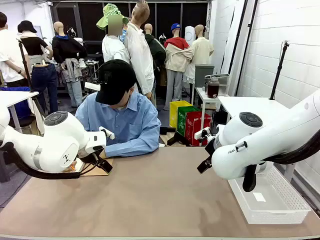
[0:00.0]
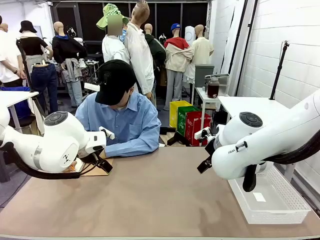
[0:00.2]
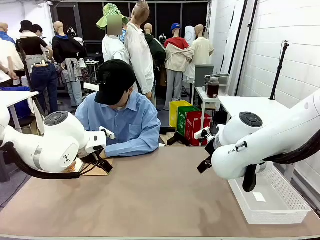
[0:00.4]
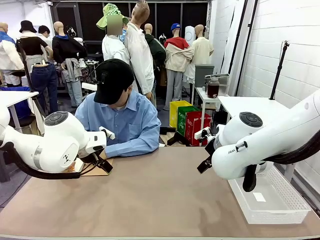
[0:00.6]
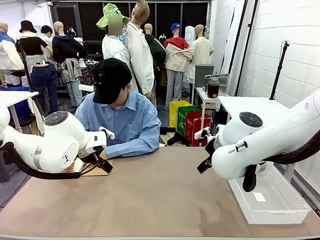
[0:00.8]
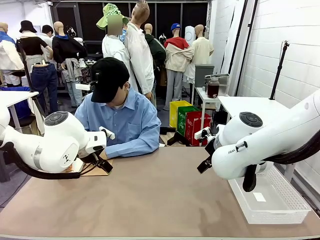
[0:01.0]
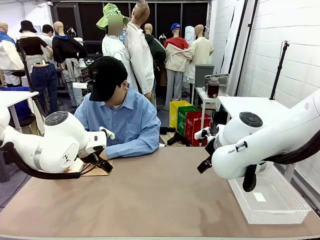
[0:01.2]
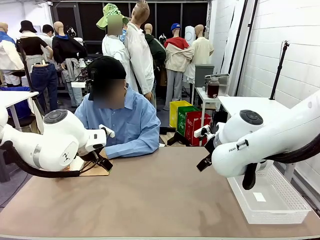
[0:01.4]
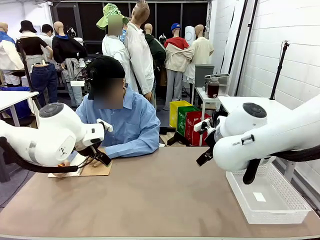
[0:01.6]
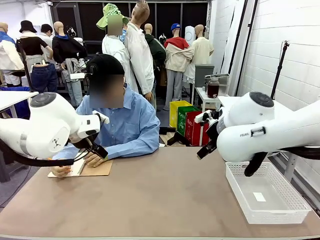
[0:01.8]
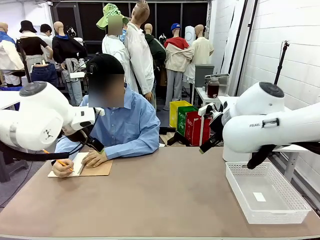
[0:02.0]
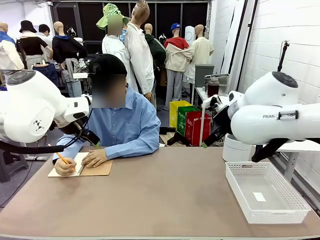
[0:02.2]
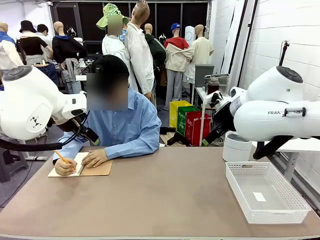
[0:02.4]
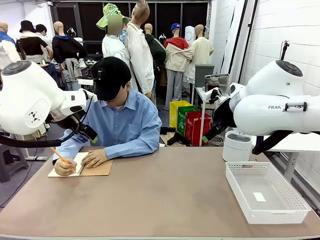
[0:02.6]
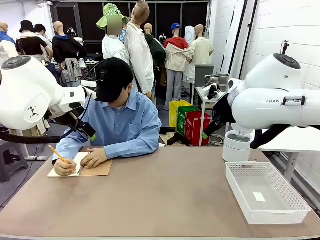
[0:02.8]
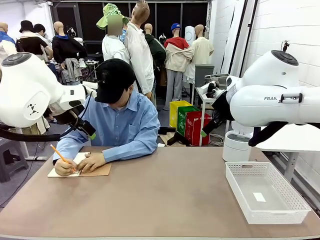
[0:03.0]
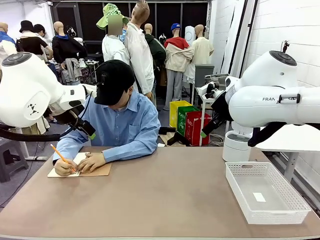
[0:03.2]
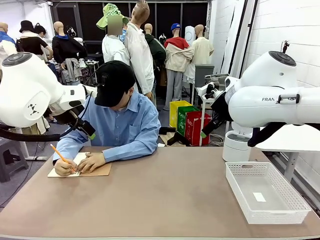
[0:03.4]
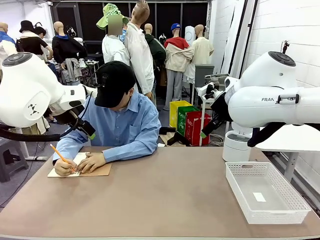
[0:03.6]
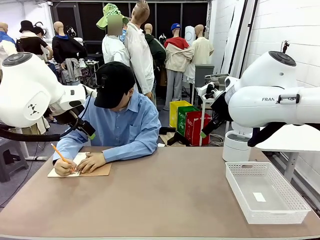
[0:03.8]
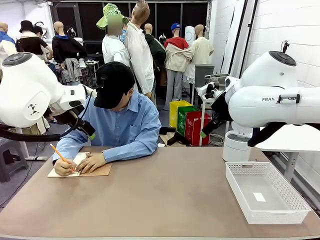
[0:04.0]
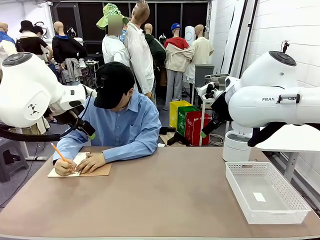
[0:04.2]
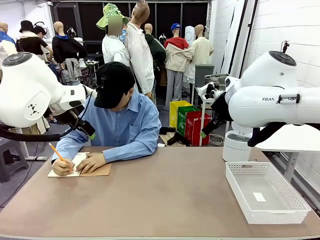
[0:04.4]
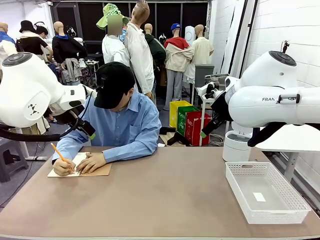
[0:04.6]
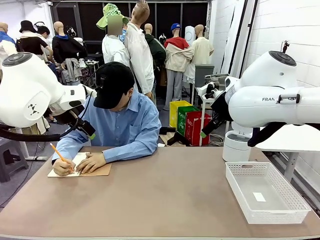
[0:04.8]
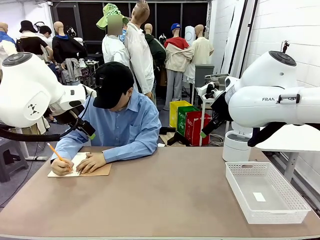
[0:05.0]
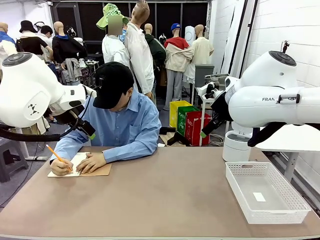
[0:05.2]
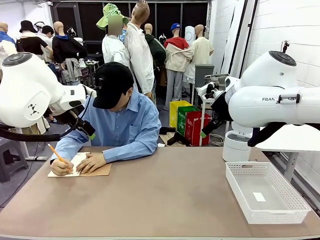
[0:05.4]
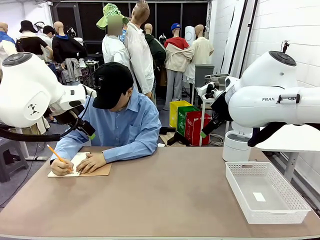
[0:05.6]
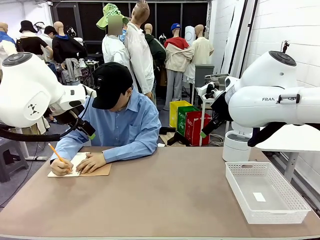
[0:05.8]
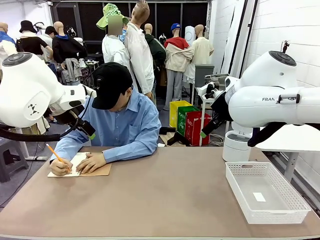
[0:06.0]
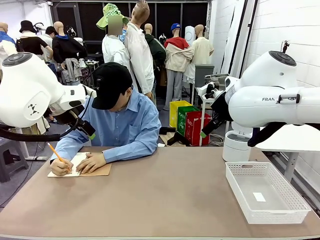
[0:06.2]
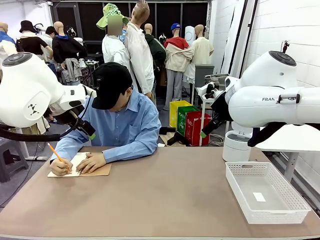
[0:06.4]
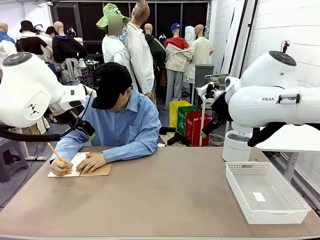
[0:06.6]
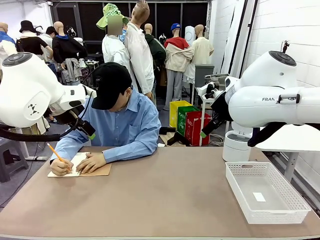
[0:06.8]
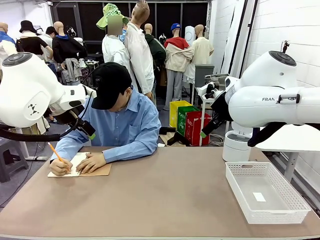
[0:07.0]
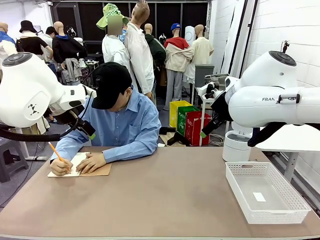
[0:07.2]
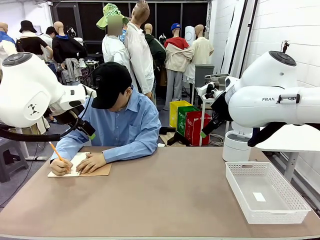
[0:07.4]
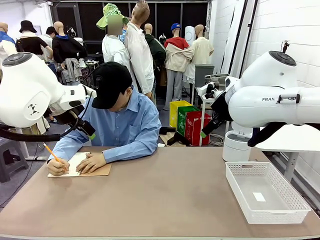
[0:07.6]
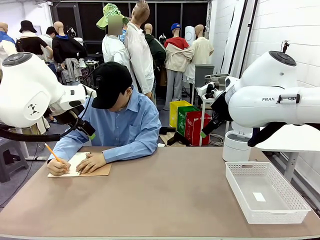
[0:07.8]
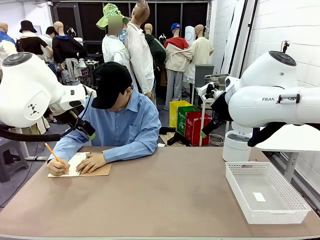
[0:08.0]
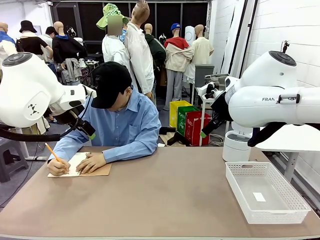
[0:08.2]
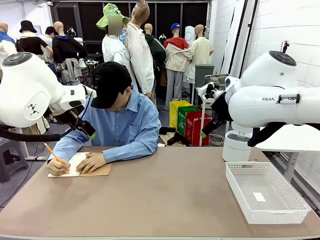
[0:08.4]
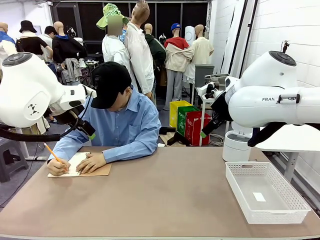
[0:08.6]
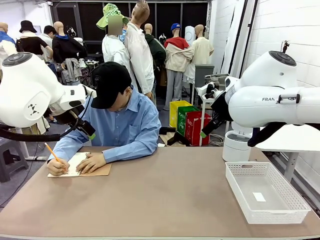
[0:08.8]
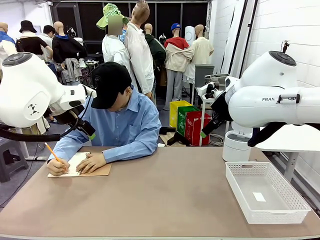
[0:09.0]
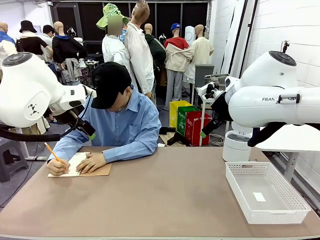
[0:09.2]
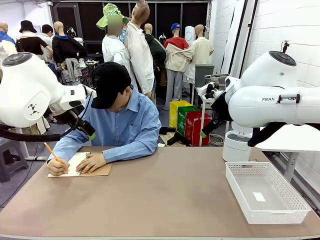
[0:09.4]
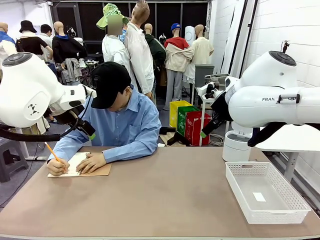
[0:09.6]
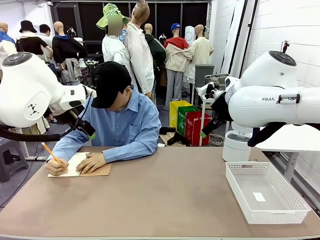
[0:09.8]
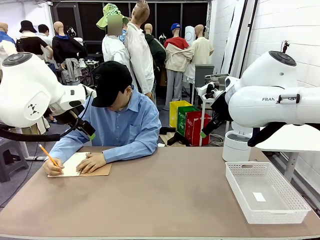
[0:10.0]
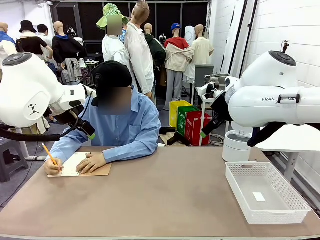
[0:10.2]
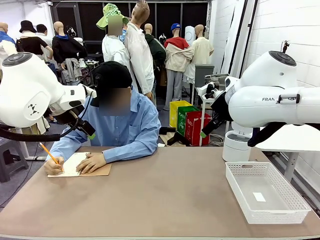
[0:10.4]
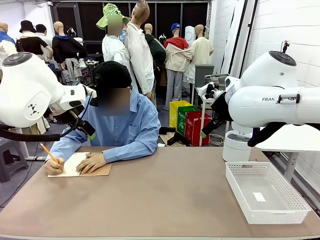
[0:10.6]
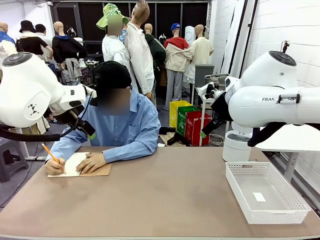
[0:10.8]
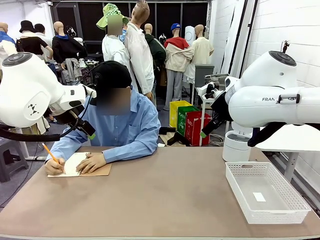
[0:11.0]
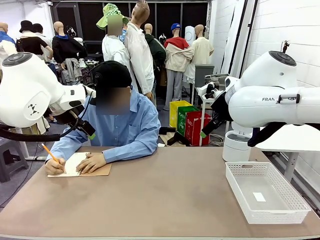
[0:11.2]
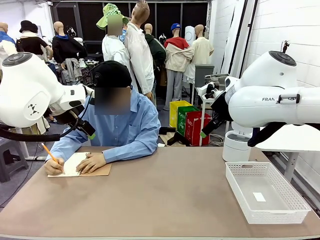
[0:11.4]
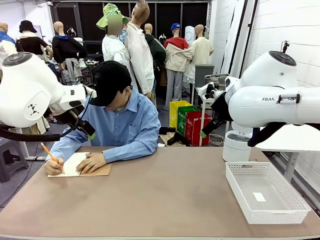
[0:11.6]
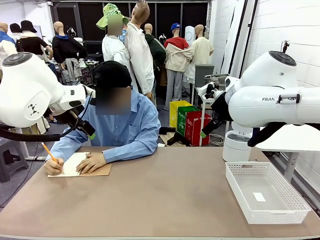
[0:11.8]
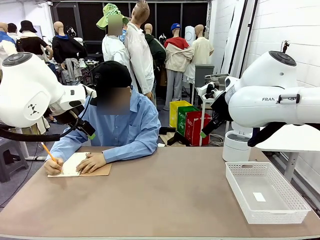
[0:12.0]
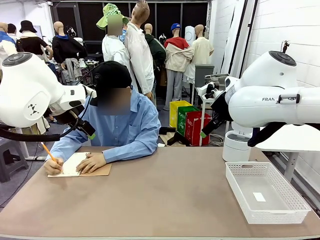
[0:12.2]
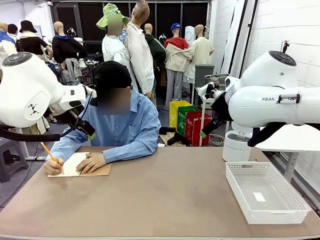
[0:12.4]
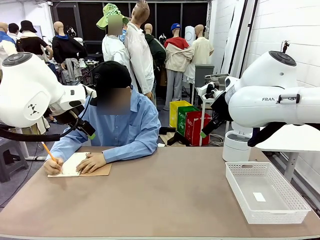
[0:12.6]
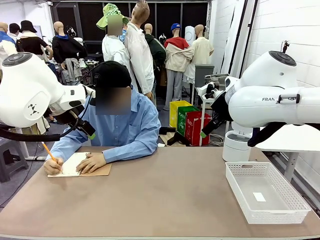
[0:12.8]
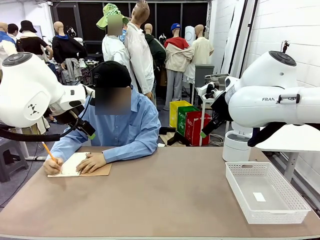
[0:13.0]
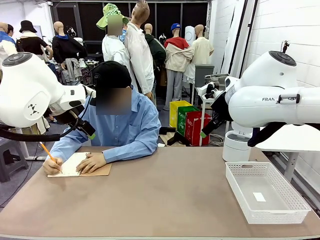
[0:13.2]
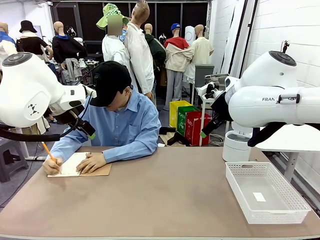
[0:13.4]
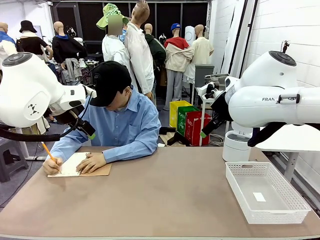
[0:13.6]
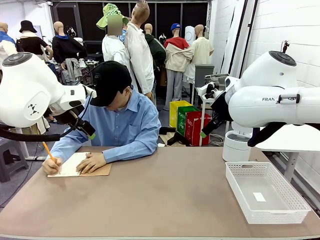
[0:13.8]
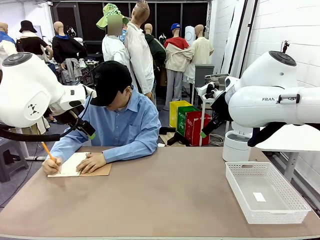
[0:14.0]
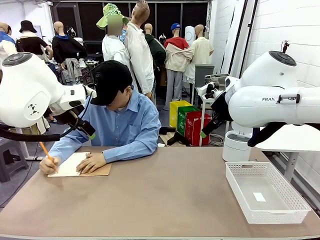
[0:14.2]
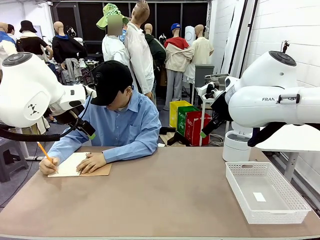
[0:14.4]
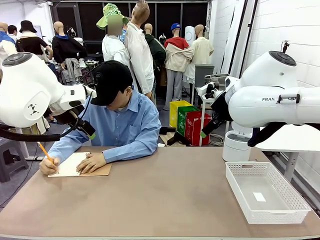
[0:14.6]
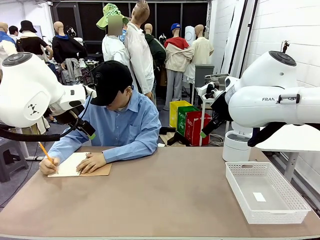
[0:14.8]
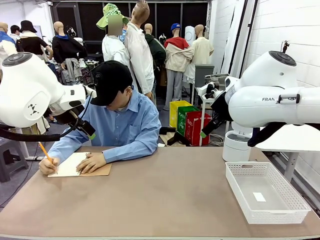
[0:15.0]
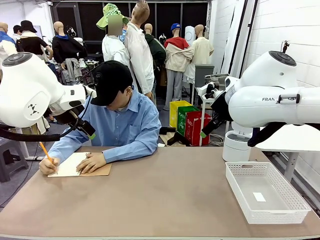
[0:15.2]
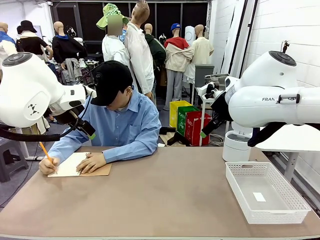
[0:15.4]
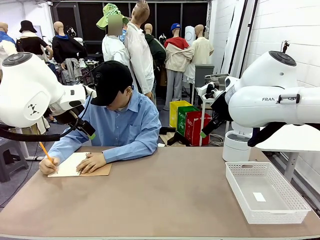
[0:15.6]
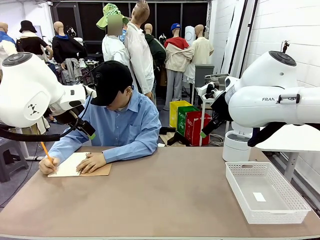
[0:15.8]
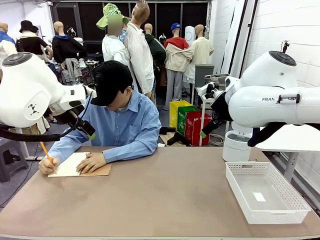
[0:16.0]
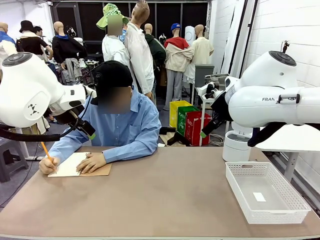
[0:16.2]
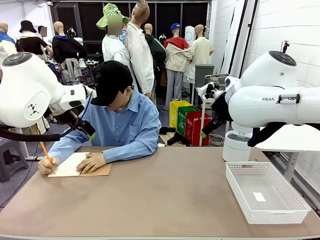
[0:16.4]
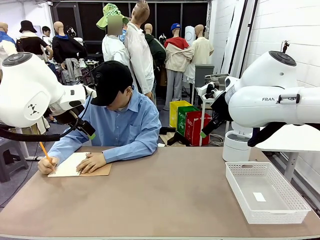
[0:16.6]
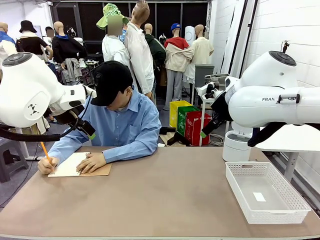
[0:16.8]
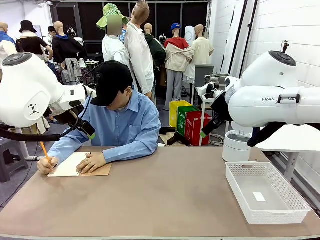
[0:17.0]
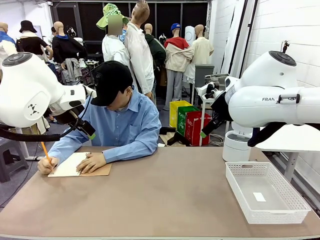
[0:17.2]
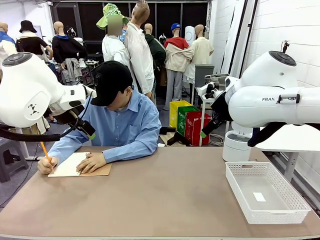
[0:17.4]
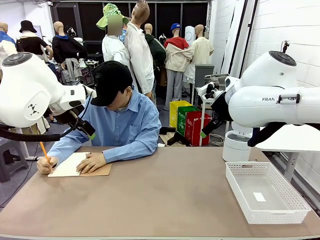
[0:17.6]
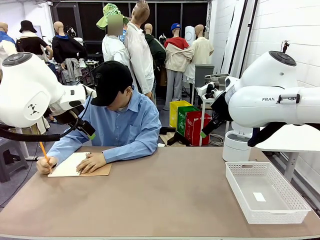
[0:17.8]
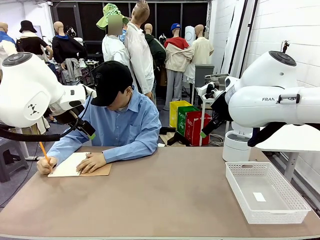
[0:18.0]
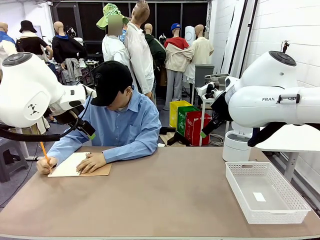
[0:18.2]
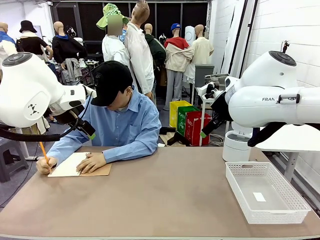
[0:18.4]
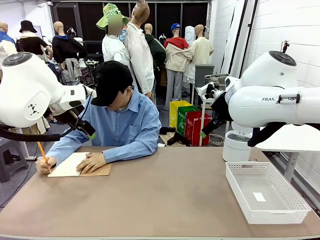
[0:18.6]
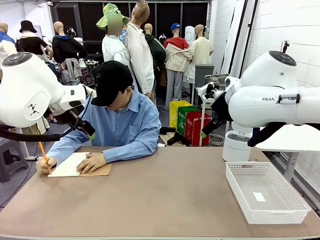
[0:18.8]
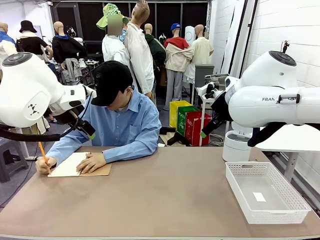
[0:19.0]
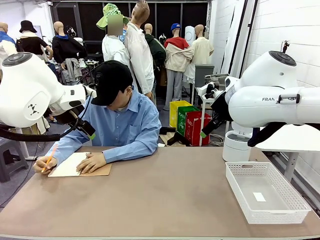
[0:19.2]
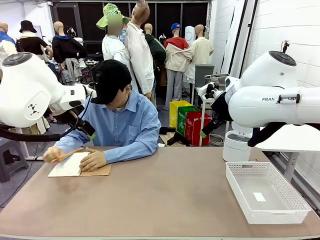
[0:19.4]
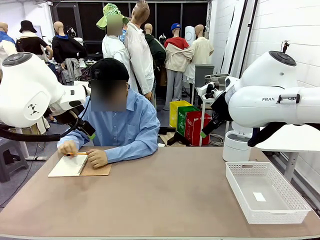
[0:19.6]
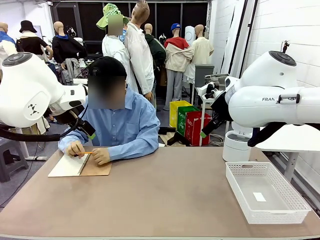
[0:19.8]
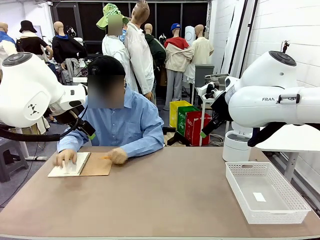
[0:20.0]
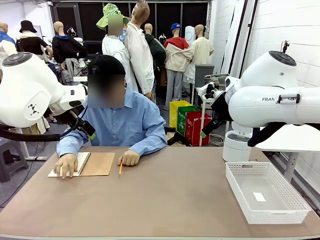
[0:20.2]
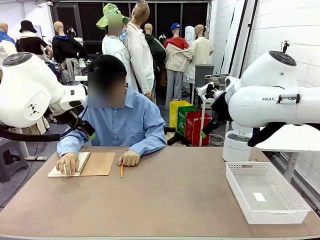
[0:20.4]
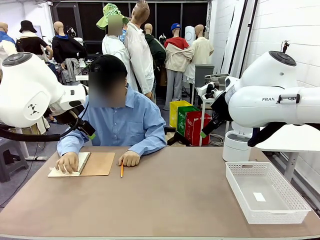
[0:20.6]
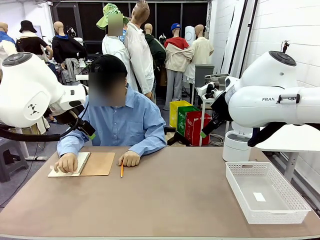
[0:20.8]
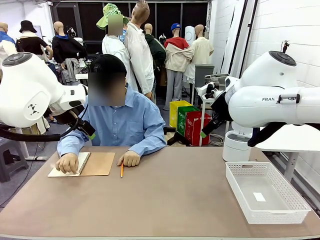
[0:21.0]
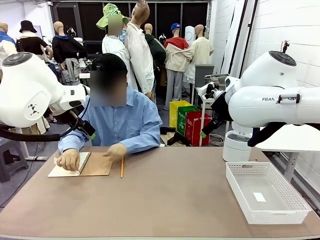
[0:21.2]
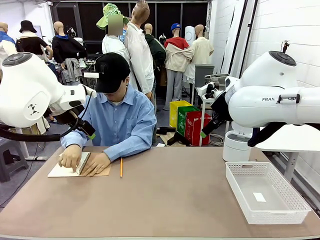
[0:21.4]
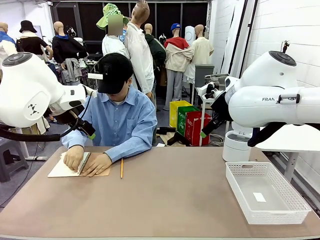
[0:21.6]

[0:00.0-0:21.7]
Task: Sort the paper based on its condition.
Robot: If a person hands you a paper, place it in the Organizing basket , and if it's crumpled, put it in the Trash can.
Person: Tear out a page from the spiral notebook.
